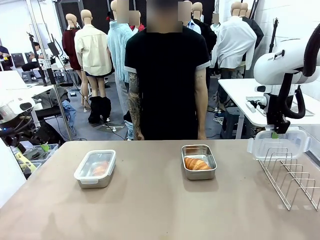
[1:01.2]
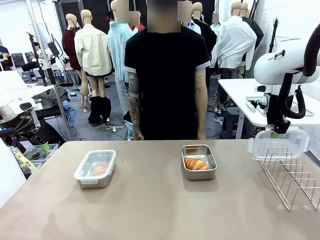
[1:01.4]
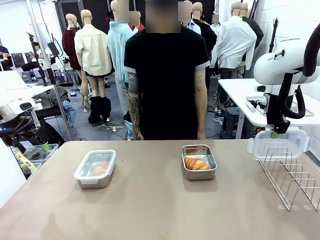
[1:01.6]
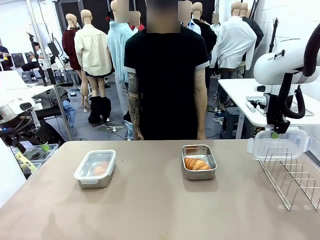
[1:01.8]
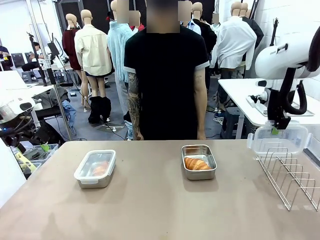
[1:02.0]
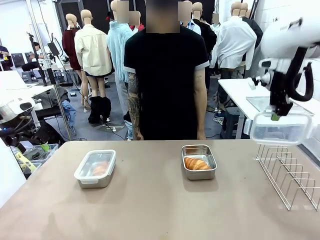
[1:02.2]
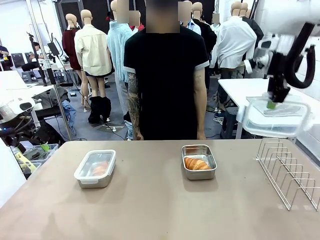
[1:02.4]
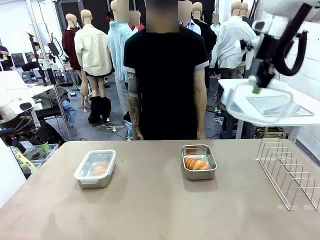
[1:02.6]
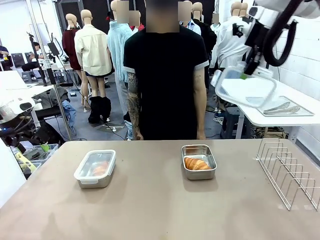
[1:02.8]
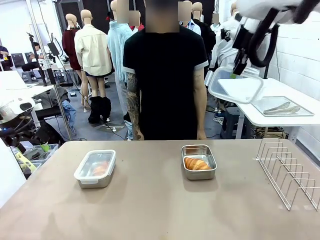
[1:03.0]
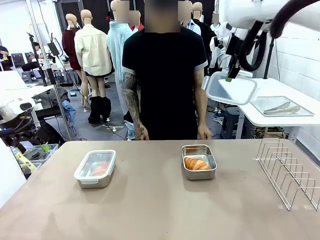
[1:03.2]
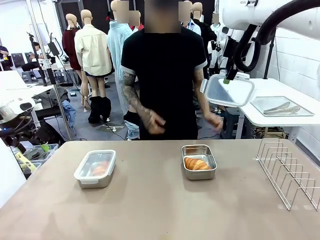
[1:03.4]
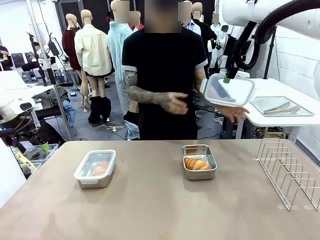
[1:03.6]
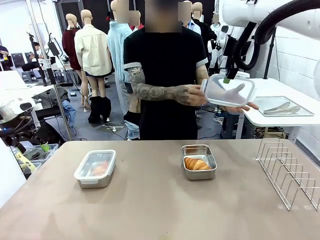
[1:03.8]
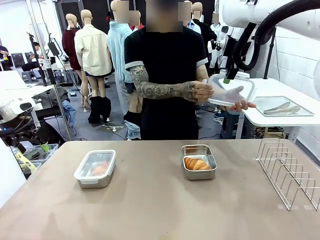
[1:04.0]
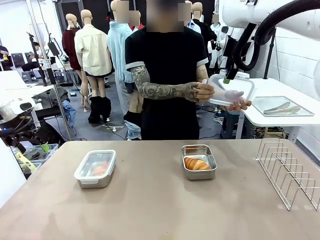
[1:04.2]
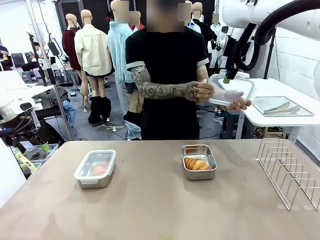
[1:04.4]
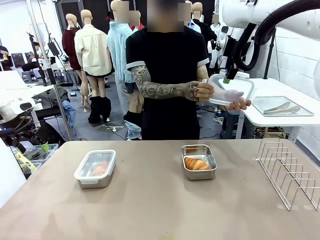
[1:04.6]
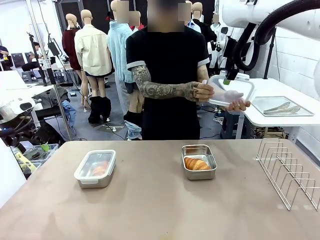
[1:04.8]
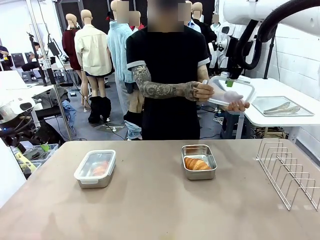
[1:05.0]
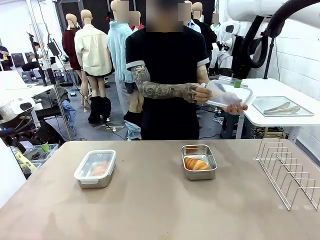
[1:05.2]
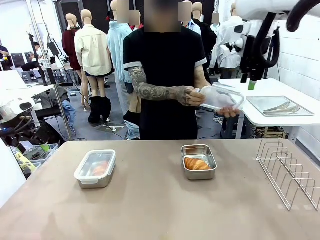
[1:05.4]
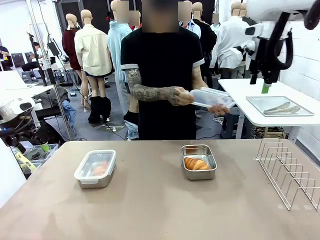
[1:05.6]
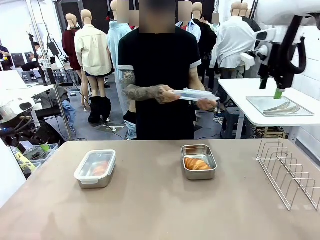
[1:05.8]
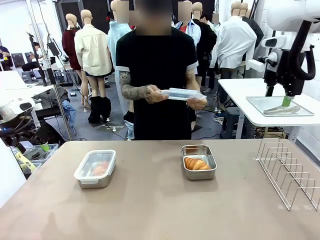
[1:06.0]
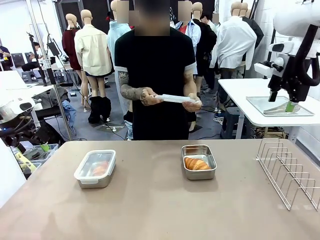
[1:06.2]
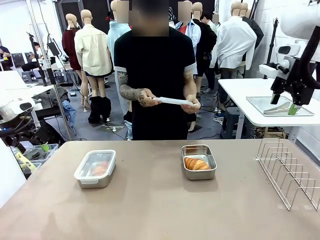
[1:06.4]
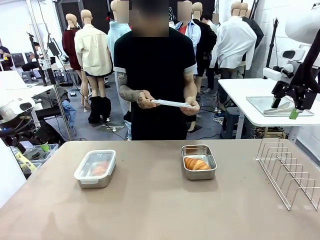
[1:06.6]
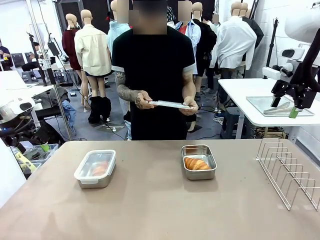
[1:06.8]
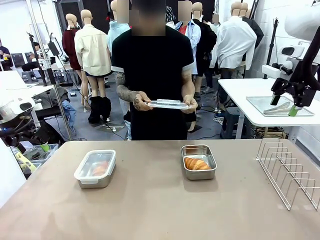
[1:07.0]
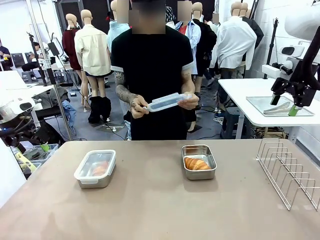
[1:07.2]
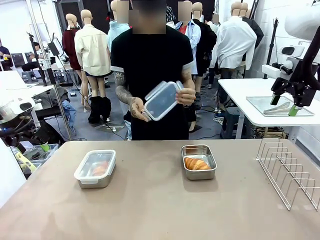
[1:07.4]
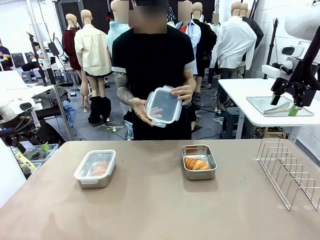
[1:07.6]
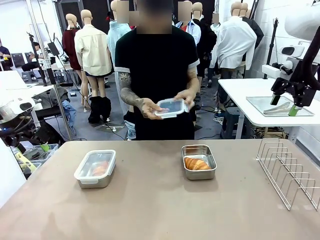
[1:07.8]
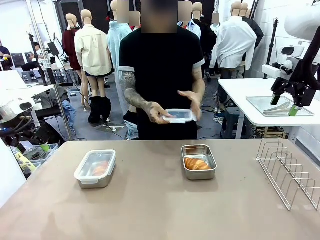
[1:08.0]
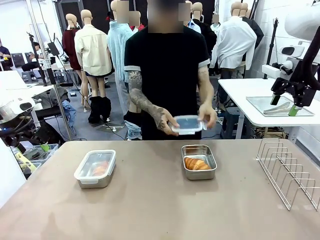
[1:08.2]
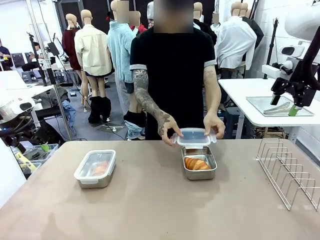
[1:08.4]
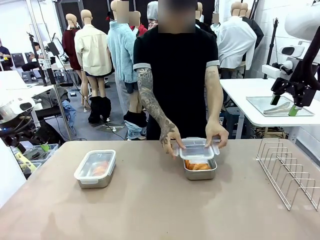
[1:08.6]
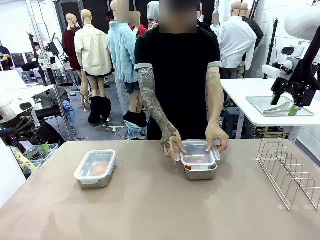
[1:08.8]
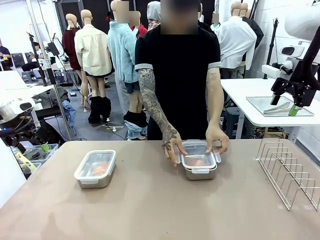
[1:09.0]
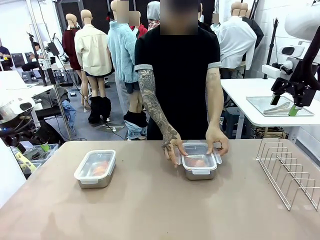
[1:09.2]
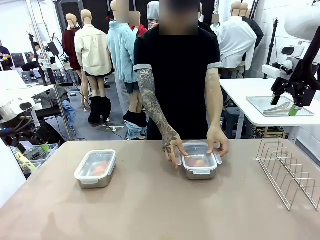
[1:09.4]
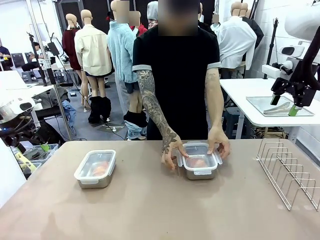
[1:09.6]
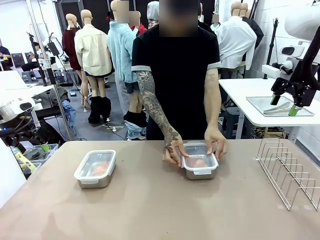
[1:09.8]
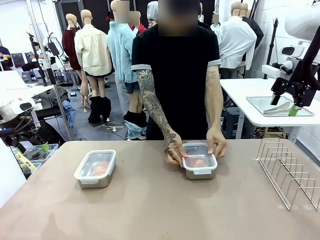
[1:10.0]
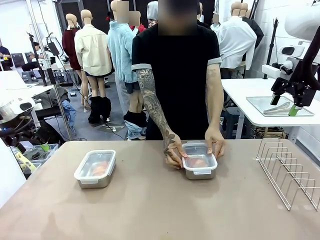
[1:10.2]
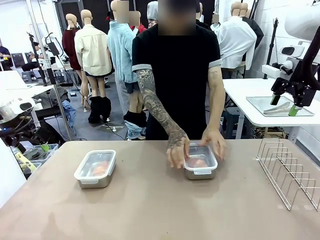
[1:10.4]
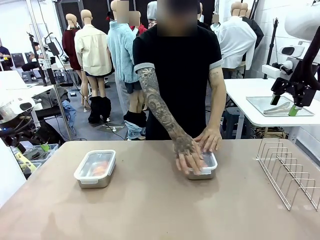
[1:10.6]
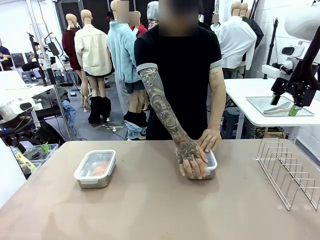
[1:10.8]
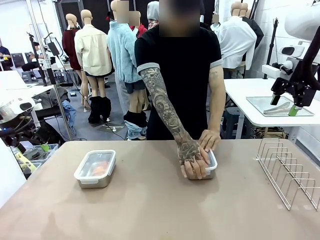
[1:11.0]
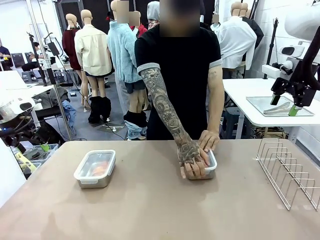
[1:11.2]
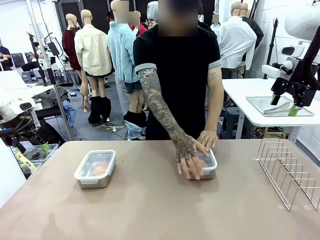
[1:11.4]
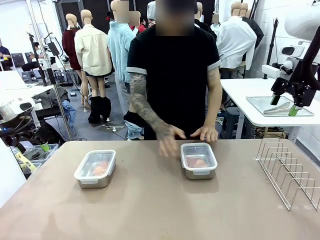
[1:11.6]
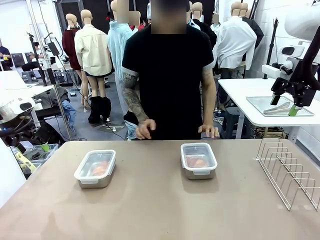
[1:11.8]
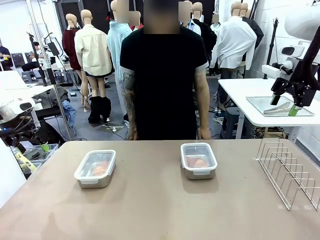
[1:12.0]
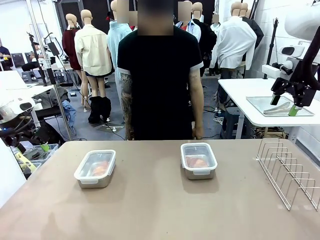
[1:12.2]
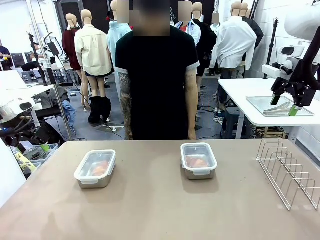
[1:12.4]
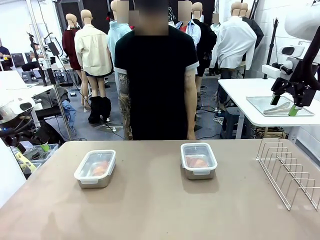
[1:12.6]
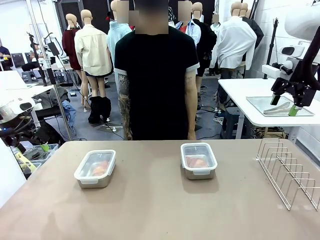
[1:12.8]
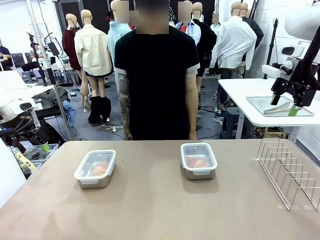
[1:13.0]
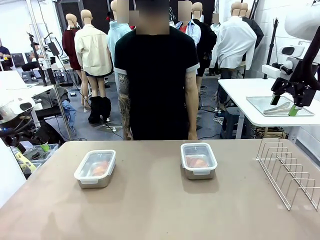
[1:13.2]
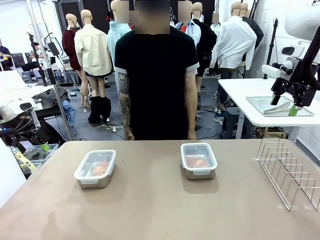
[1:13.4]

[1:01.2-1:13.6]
Task: Place the bread in airtight containers.
Robot: Release when the human grabs the Airtight Container lid.
Person: Grip Airtight Container lid that robot is handing. Close Airtight Container with a handed Airtight Container lid.
